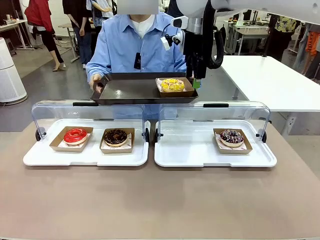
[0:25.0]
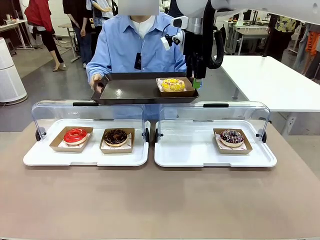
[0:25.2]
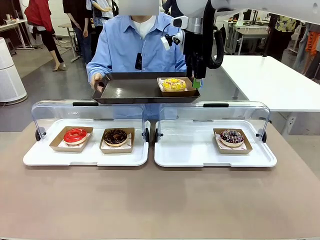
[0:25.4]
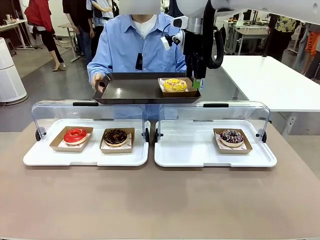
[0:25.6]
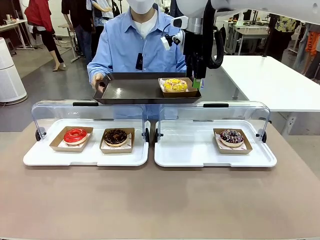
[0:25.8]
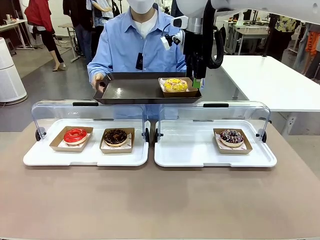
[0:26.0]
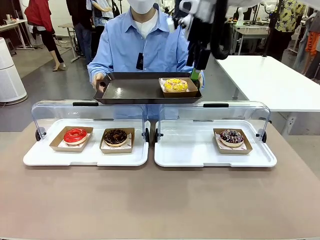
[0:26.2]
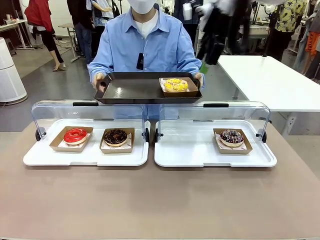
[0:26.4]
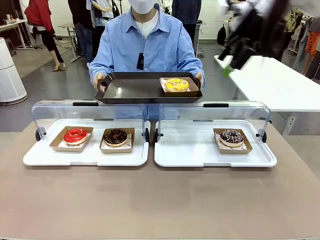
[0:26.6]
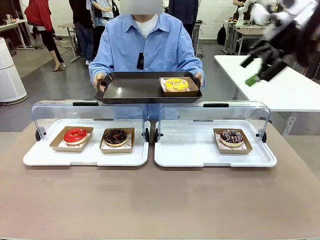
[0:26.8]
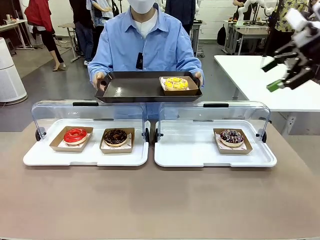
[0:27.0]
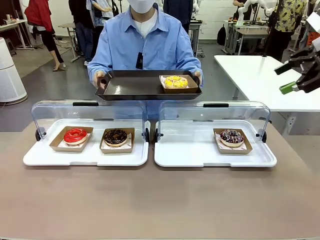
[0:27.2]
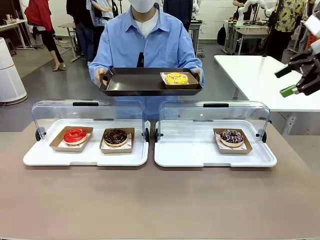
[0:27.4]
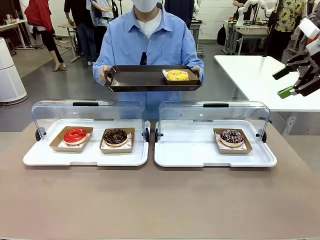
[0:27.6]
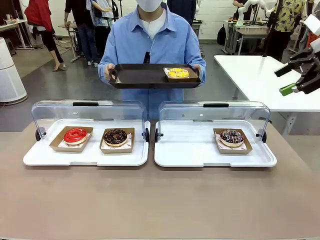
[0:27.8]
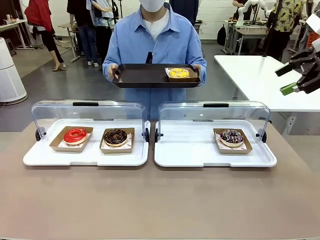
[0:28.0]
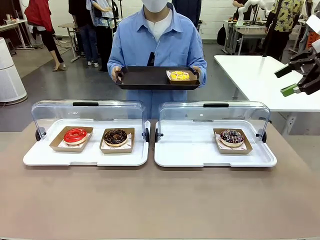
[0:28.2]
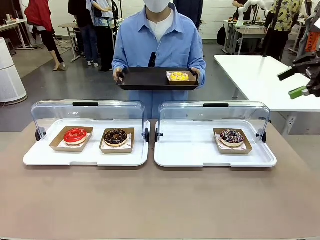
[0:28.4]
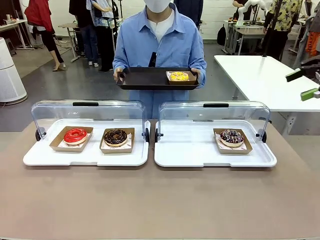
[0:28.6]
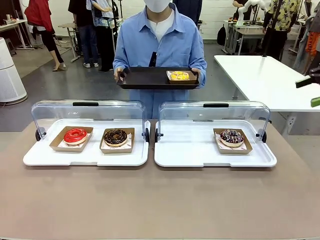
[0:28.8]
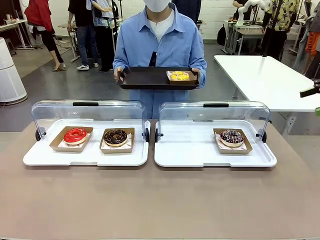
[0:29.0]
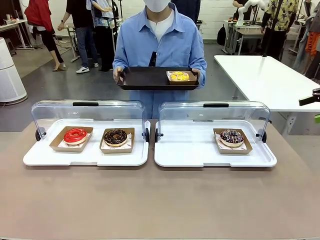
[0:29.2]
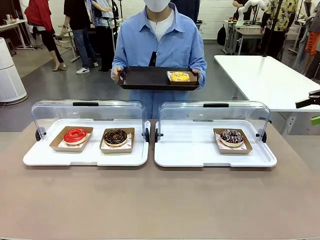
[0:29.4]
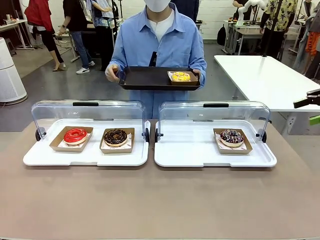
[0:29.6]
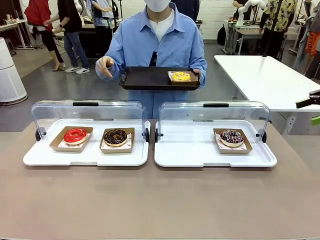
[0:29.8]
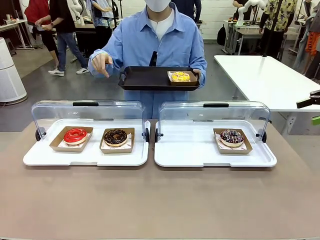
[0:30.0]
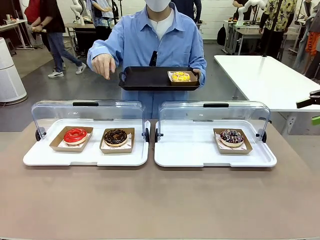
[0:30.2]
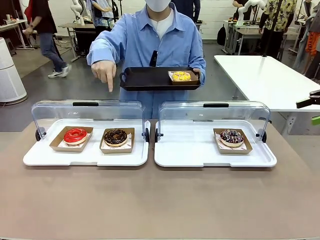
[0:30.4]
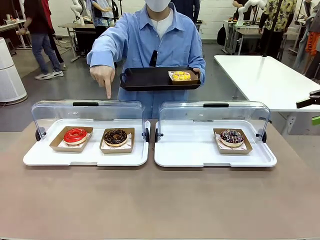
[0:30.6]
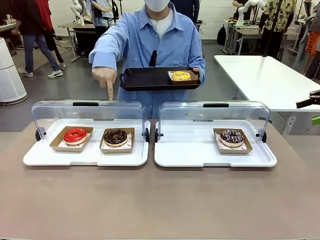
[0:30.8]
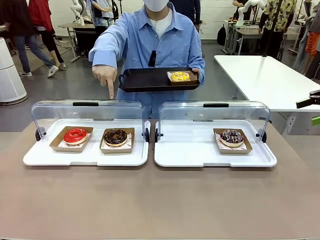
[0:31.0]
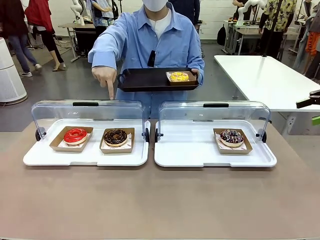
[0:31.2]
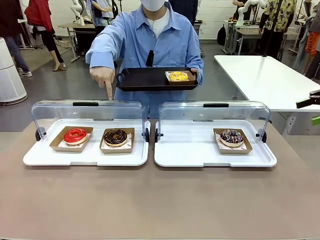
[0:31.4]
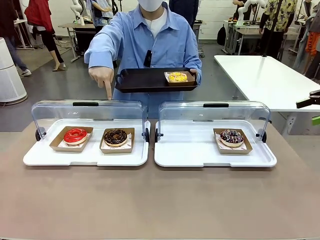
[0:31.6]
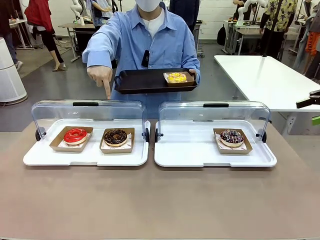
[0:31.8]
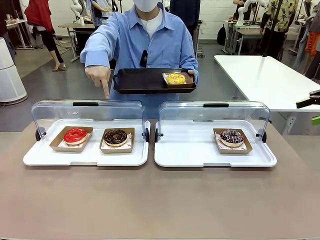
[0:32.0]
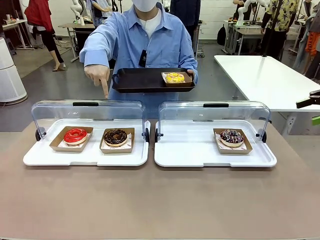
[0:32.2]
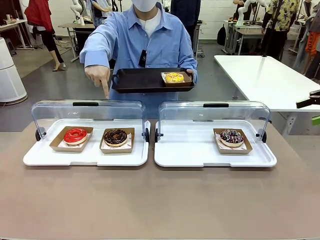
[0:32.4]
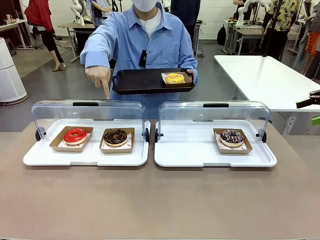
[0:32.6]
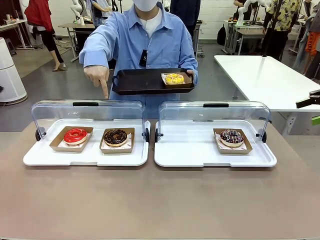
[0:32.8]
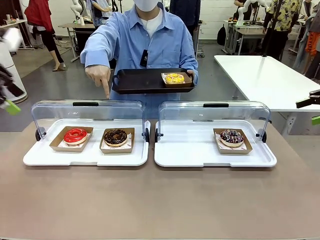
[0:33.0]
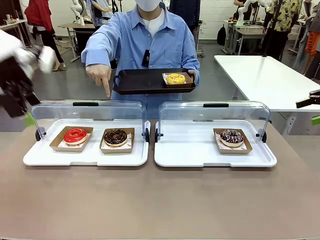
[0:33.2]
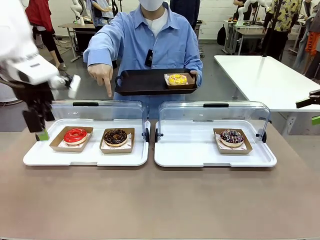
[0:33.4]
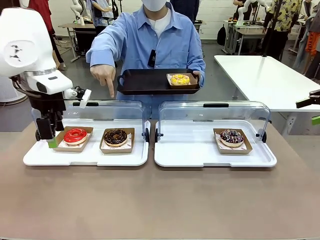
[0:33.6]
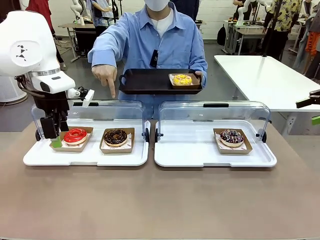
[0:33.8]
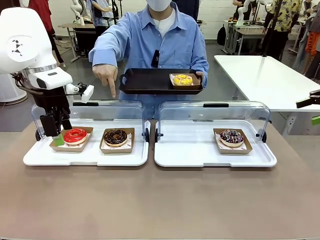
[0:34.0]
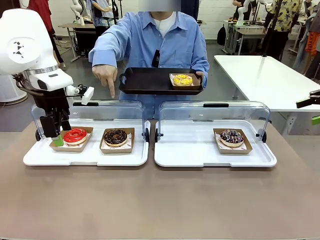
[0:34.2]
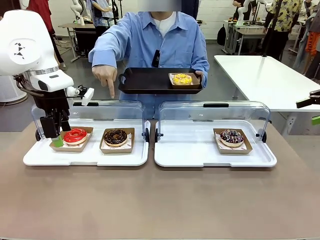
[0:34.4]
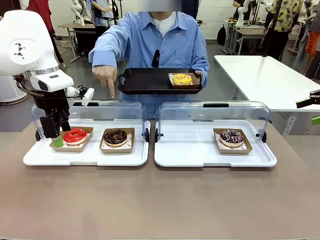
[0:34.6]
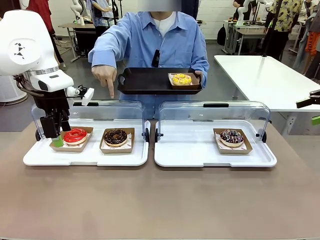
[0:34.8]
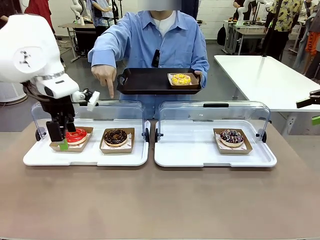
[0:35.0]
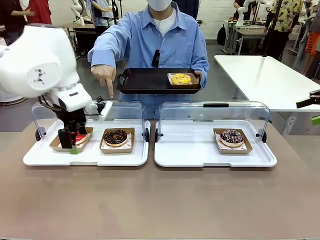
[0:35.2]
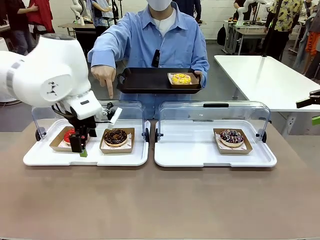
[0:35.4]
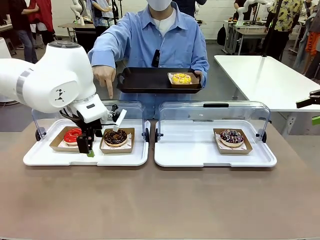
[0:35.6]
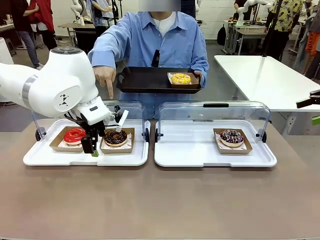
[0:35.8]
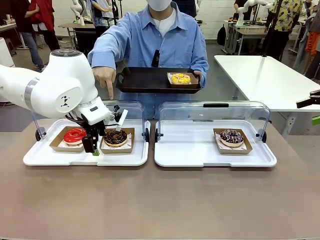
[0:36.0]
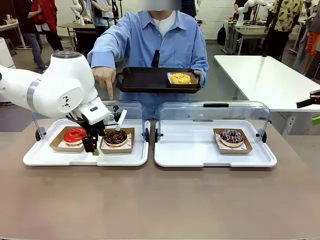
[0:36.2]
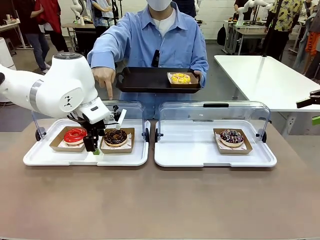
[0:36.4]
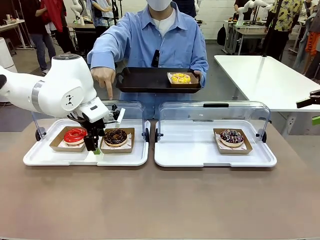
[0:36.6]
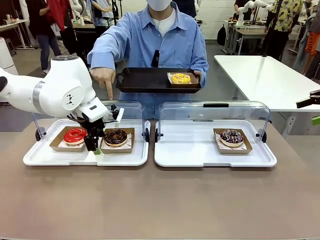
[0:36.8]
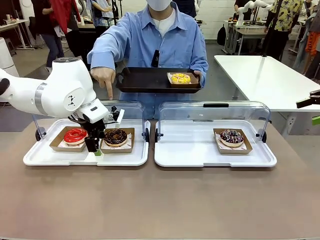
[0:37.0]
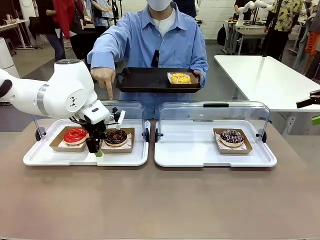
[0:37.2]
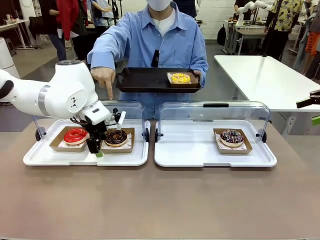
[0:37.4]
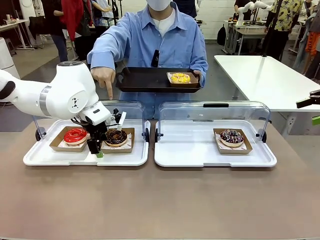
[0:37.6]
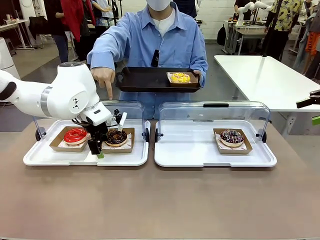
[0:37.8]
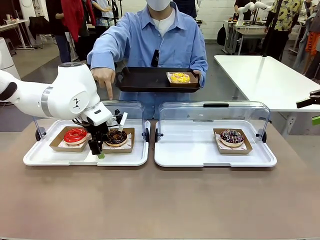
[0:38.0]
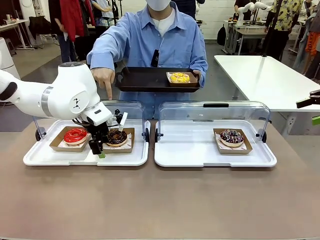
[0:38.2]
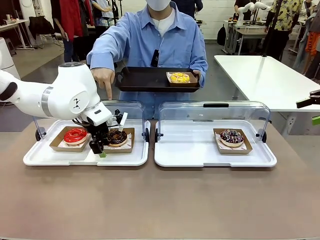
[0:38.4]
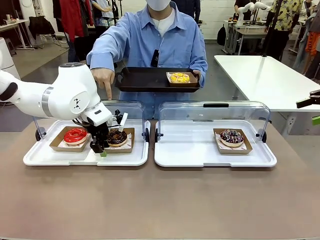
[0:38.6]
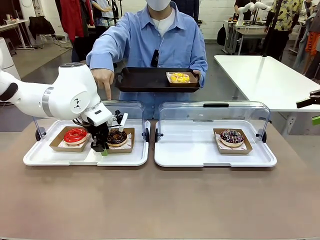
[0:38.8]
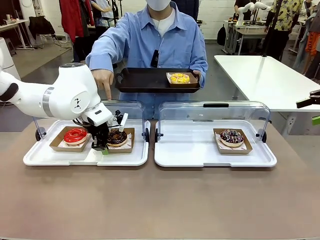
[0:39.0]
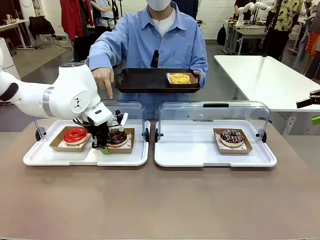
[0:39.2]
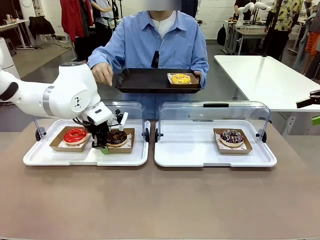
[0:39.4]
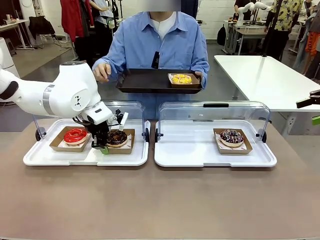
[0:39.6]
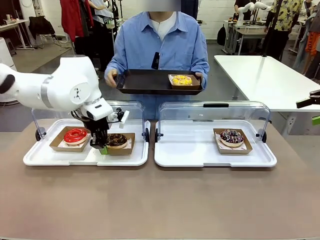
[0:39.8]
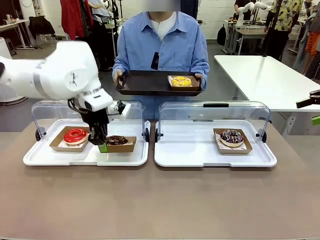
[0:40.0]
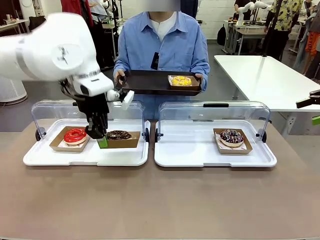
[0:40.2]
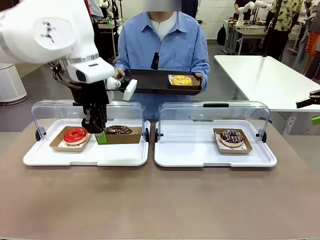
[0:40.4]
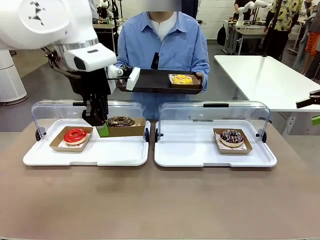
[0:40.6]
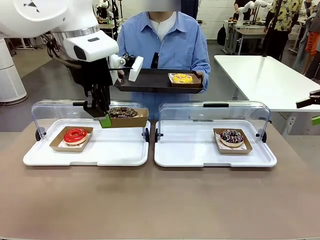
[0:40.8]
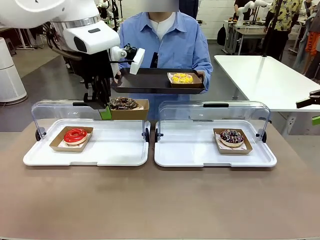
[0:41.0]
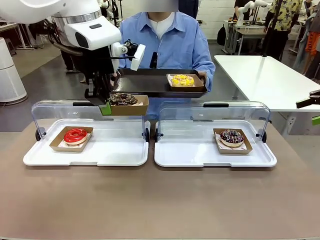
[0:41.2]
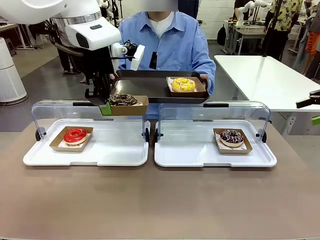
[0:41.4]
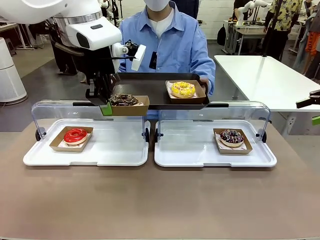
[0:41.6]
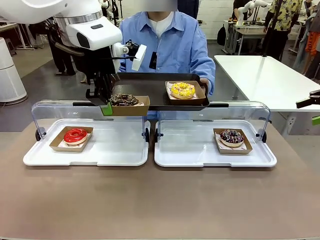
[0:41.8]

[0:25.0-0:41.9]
Task: Provide the desired donut to the person.
Robot: Pick up and lift the Paper togo box containing the Donut pointed at by the person.
Person: Point to one donut. Lift the tray onto the Roll-Top Bakery Case.
